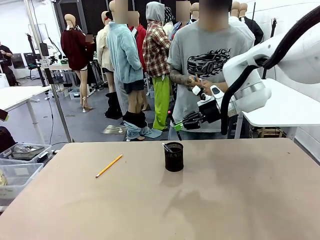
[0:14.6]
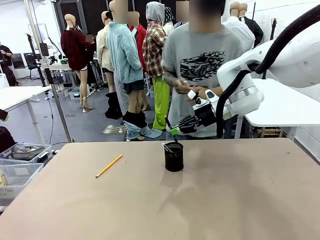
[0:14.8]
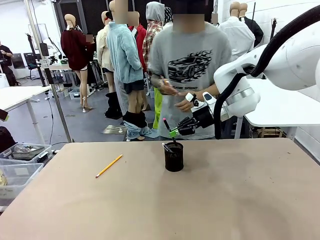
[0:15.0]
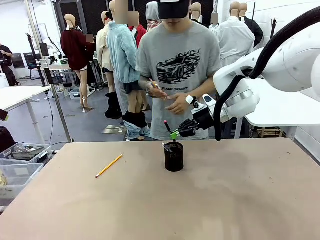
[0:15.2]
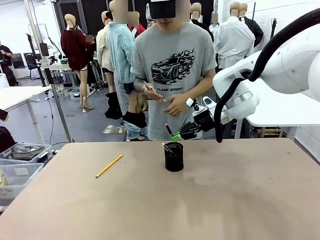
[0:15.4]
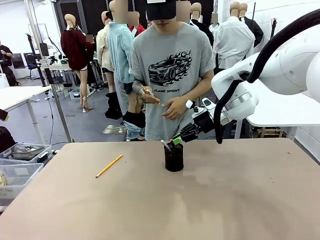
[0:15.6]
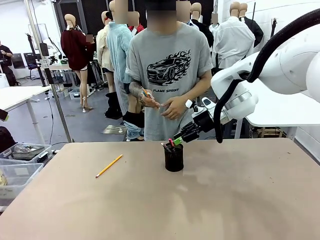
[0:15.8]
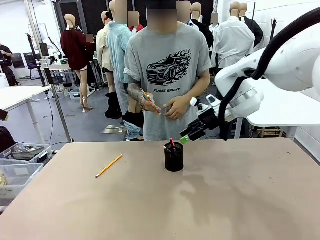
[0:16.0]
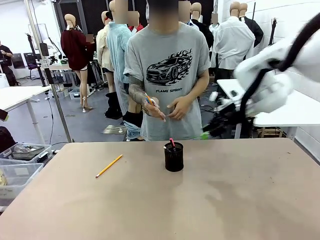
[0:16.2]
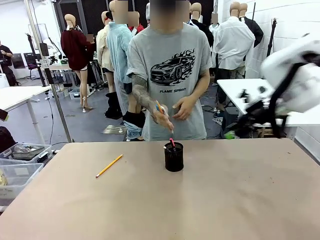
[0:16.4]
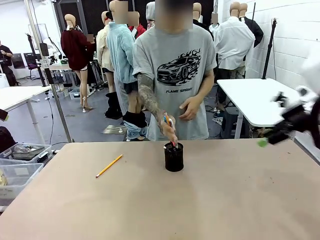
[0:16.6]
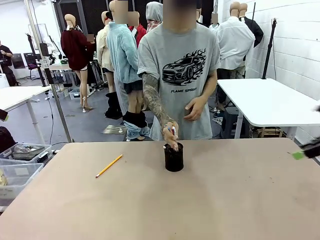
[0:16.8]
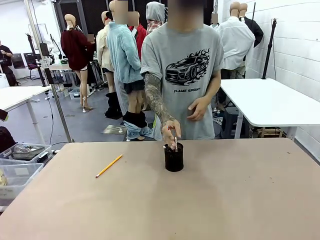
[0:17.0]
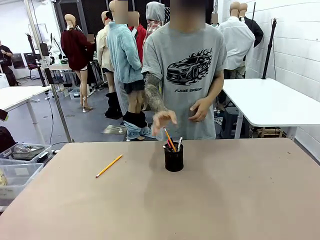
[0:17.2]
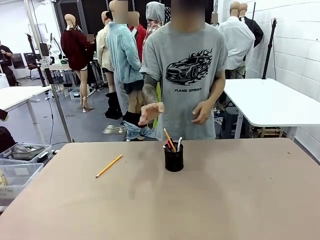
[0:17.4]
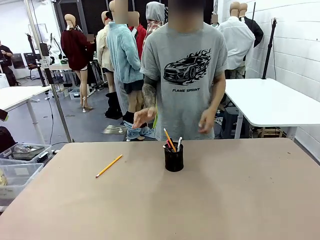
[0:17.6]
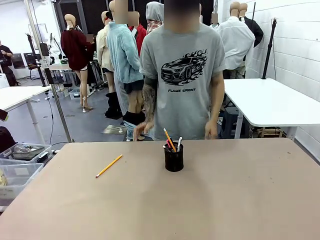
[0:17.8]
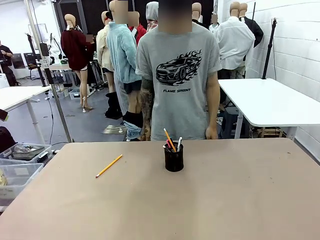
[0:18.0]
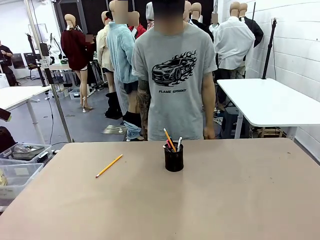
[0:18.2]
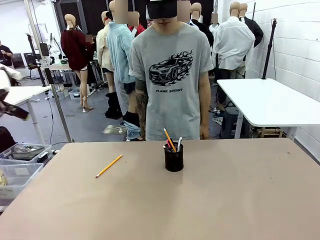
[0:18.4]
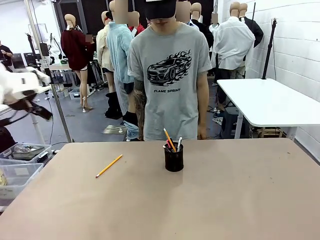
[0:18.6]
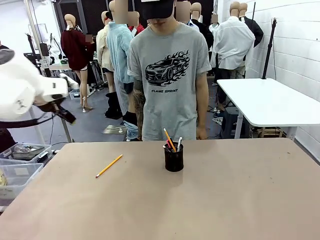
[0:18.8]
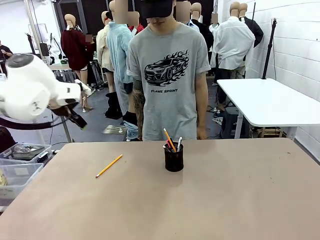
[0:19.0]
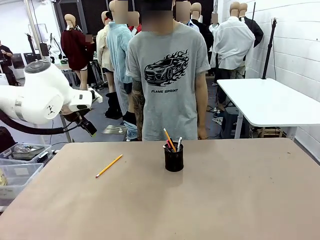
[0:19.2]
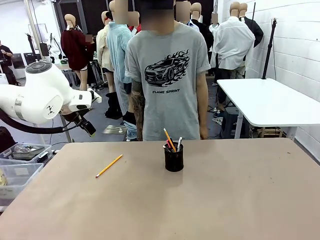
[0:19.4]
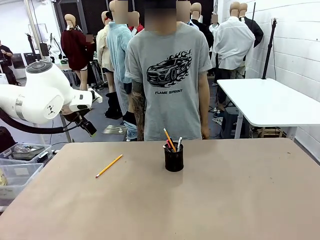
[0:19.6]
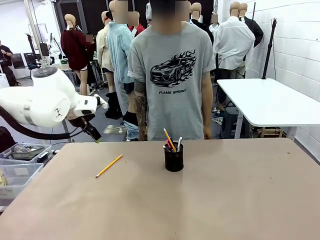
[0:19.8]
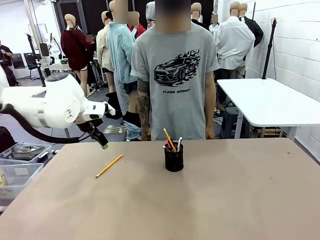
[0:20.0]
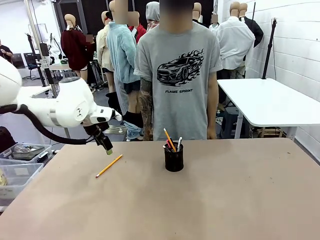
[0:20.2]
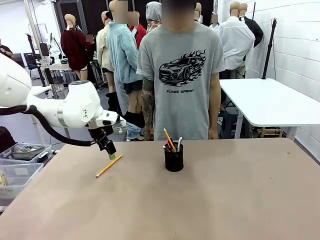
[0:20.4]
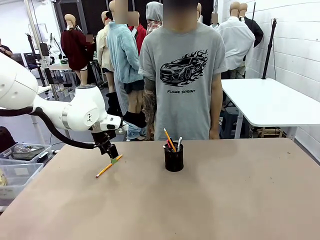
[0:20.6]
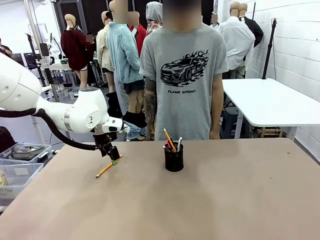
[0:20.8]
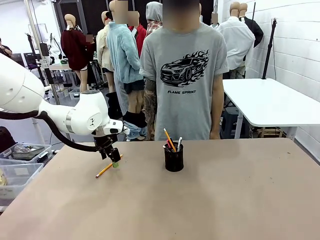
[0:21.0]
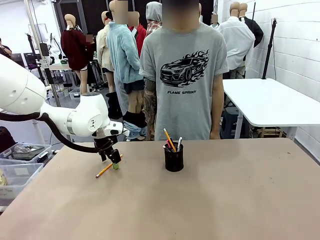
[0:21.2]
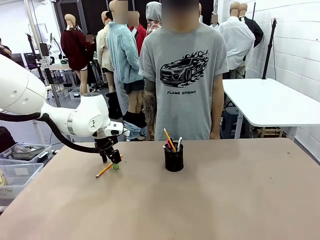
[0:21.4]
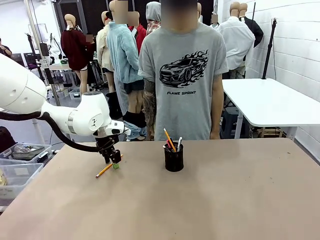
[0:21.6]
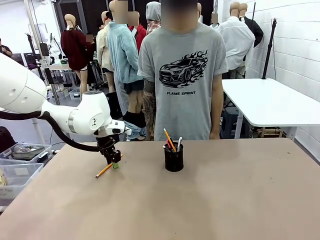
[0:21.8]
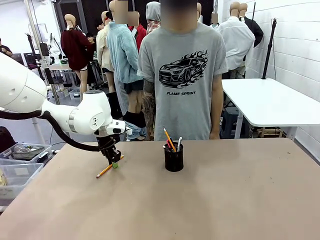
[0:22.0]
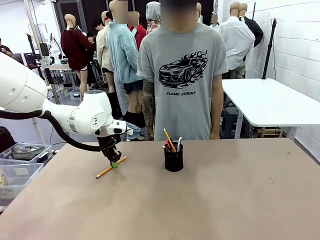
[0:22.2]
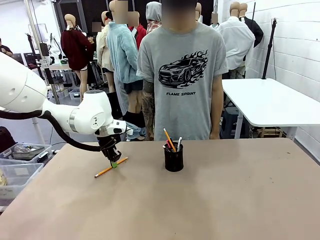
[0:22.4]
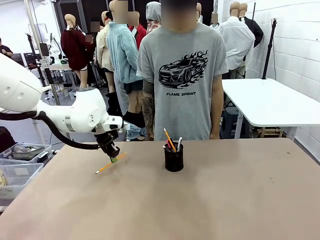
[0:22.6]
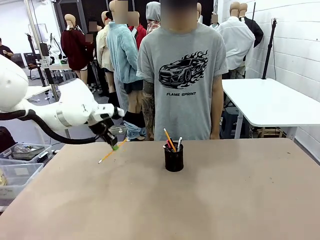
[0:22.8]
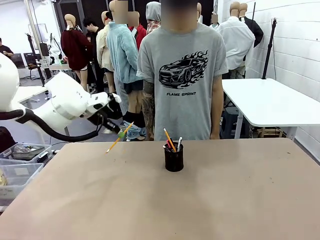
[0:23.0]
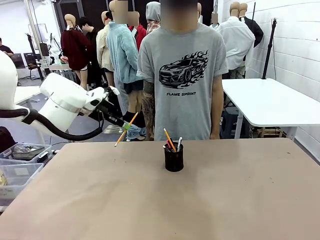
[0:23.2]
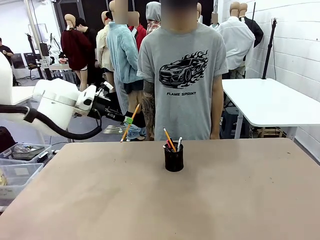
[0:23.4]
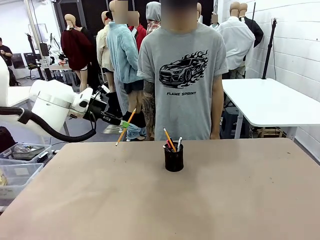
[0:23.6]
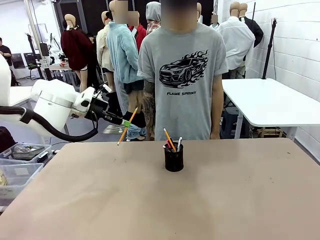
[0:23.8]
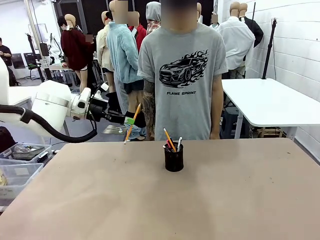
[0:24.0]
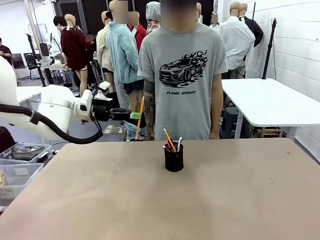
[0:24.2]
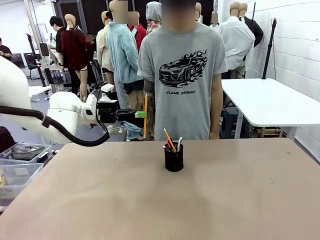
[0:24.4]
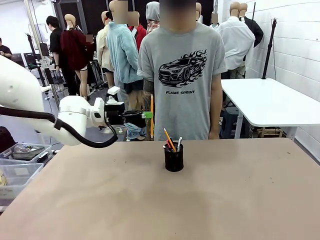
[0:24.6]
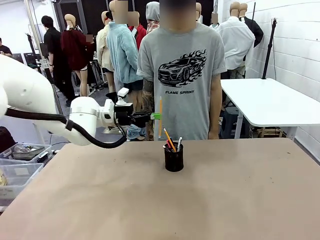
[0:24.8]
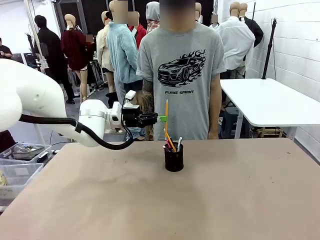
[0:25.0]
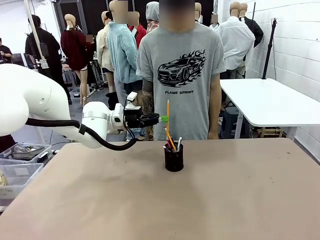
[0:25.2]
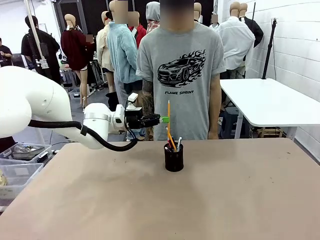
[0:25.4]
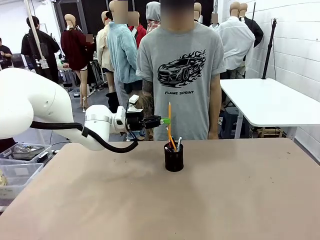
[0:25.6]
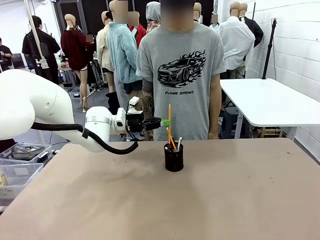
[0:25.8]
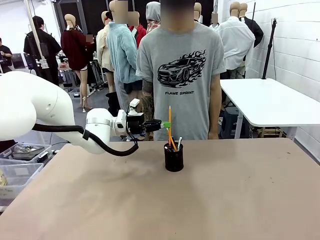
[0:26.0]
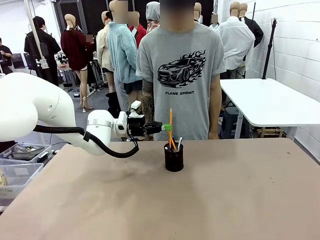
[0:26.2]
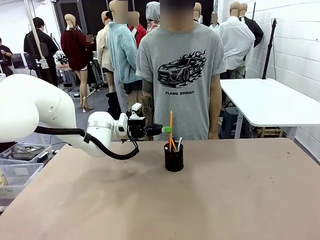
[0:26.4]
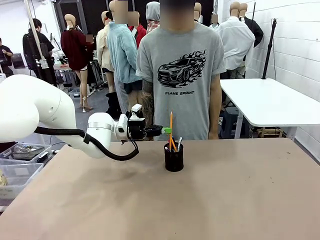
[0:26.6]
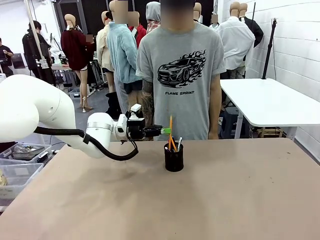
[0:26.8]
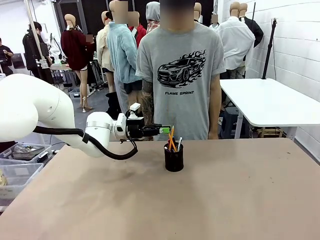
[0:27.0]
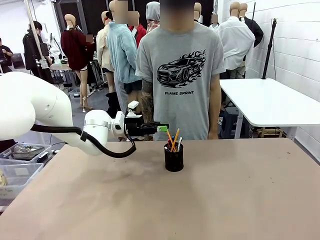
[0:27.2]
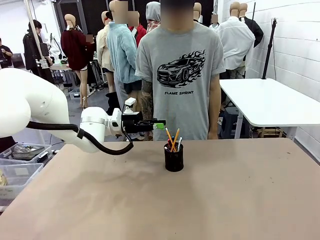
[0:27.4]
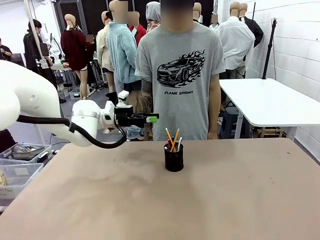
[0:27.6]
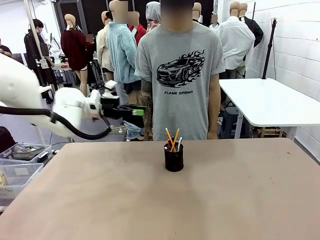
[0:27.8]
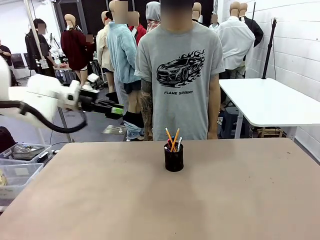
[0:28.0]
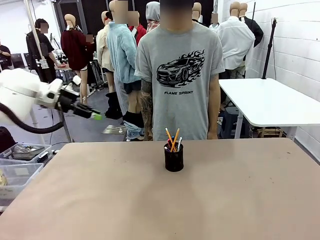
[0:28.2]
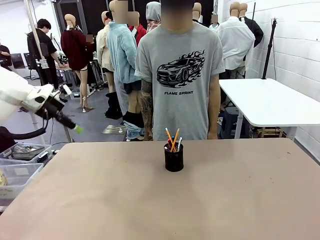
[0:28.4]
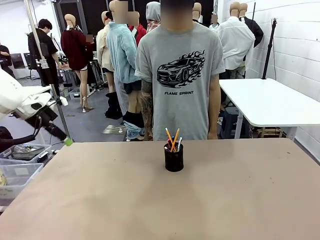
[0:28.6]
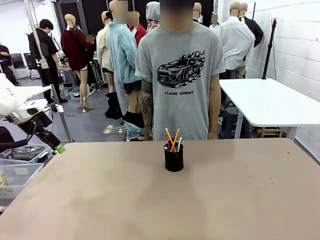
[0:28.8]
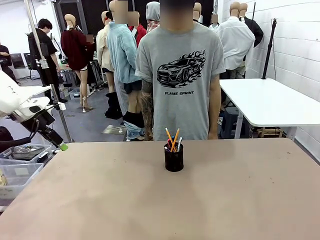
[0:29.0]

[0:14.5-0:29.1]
Task: Place the pens into the pen holder.
Robot: Pick up a writing instrument from the table and place it into the Pen holder.
Person: Place all writing instrument into the Pen holder.

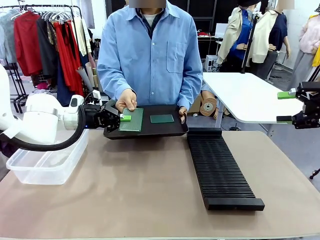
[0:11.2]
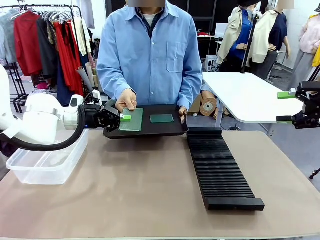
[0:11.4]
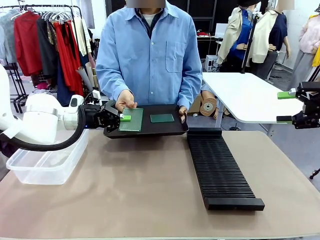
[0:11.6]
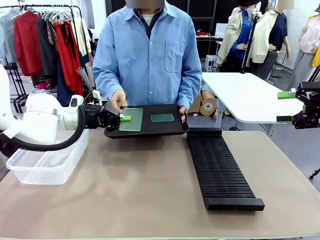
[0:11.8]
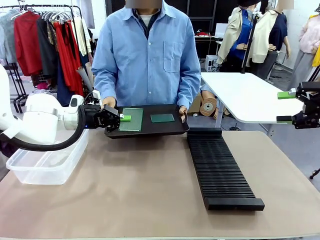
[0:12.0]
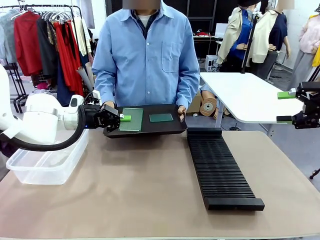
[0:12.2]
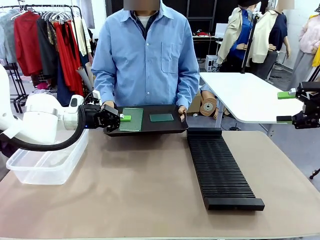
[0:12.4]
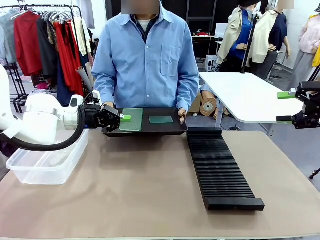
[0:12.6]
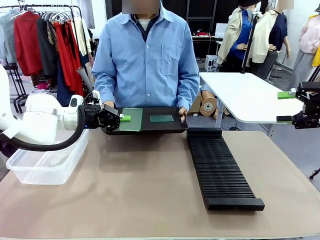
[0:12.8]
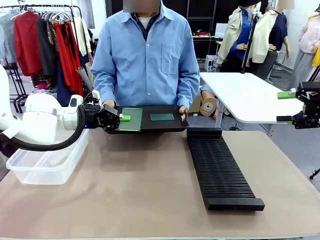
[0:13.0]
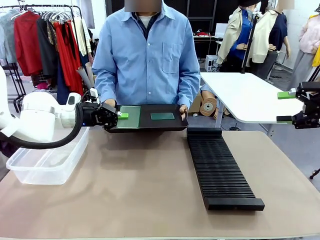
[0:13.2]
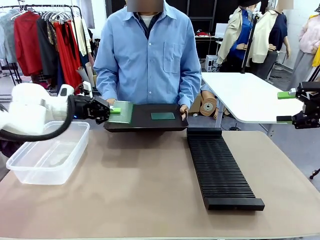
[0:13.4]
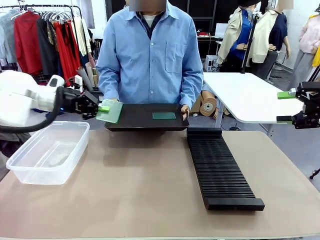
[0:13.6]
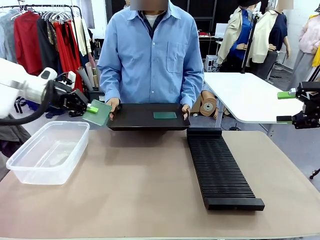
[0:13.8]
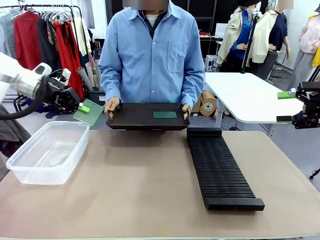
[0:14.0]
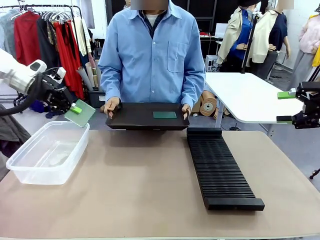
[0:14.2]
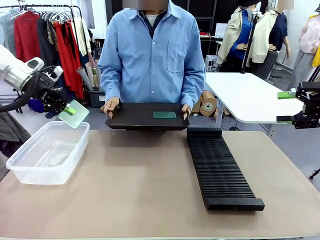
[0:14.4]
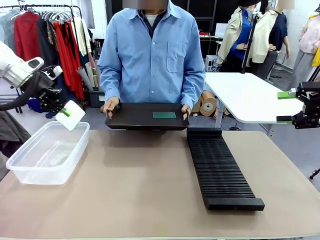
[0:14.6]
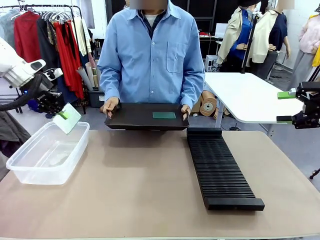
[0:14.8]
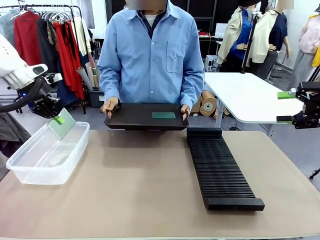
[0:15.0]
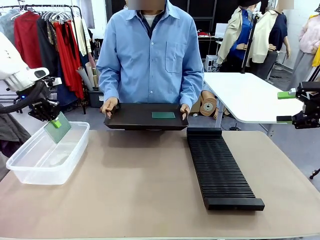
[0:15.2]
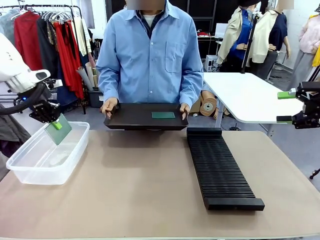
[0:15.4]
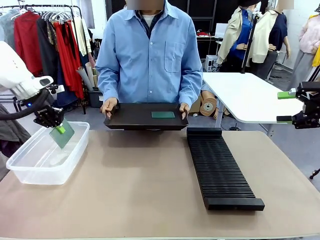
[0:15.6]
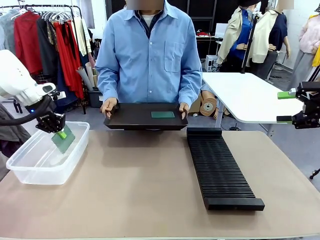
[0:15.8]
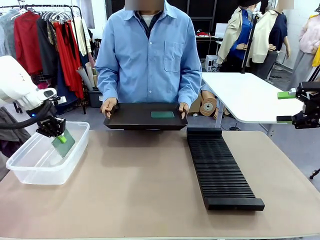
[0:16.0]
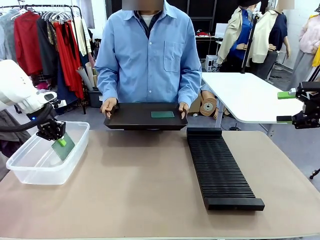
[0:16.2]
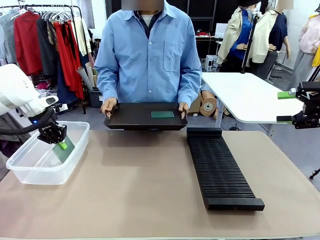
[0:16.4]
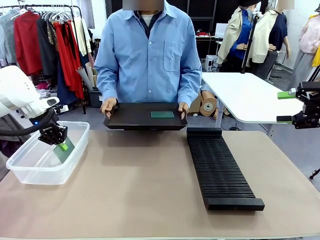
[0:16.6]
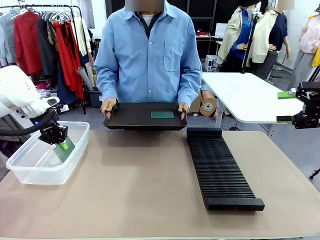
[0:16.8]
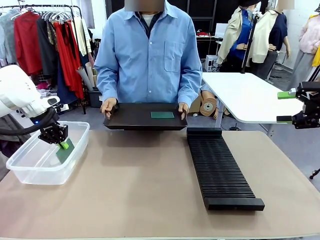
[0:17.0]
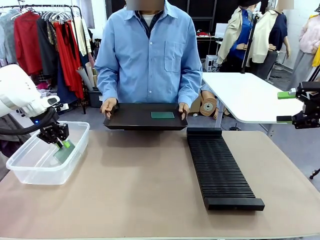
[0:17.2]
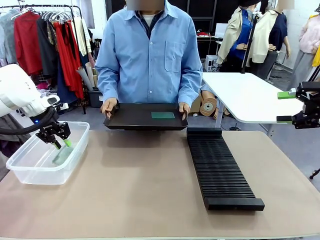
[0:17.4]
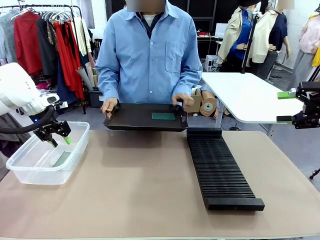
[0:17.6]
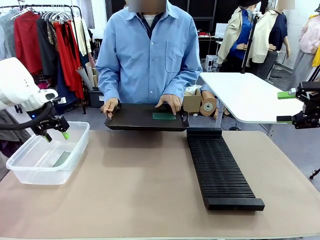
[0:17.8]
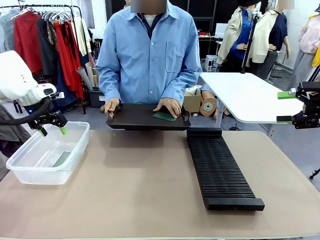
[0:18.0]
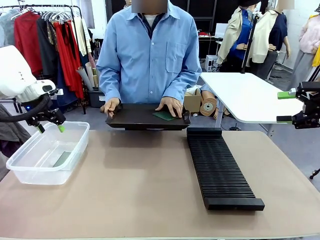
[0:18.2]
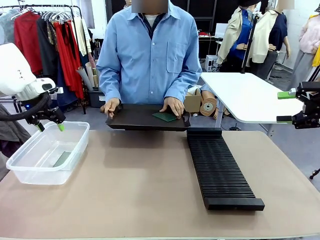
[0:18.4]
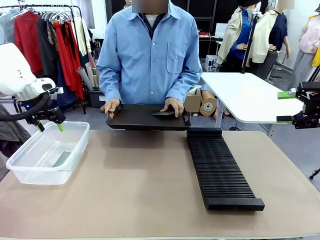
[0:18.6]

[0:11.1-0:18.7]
Task: Sort PCBs into racks and boxes based on the side picked up.
Robot: If the short side of the Blank PCB is picked up, insert it into the PCB Rack ; if the long side is picked up, place it in the Organizing box.
Person: Pick one PCB from the tray and present it to the robot.
